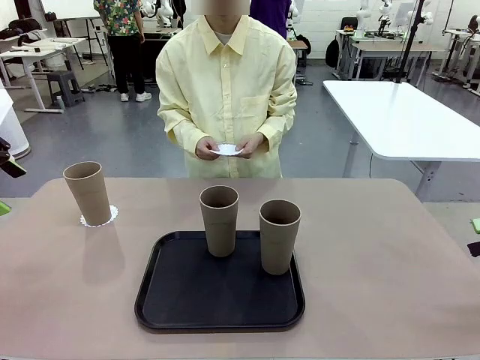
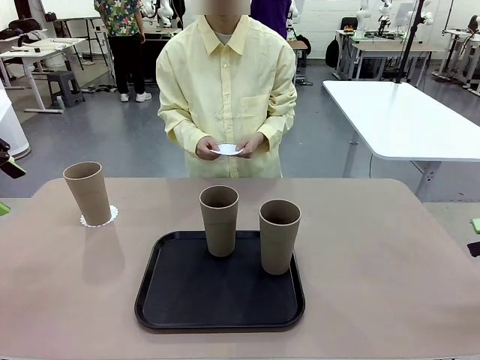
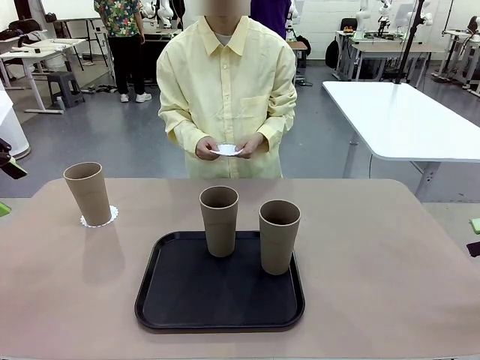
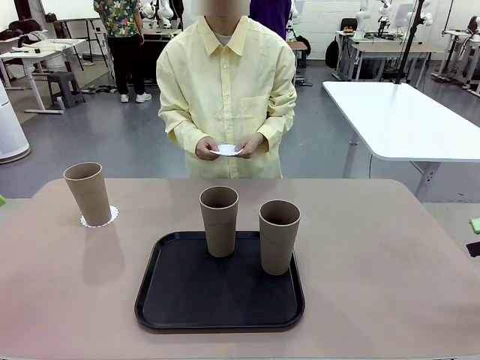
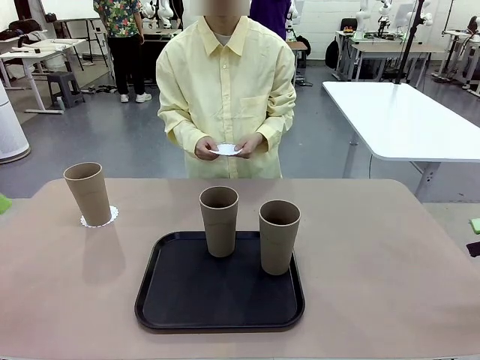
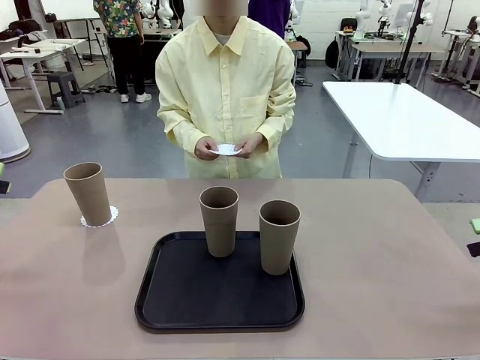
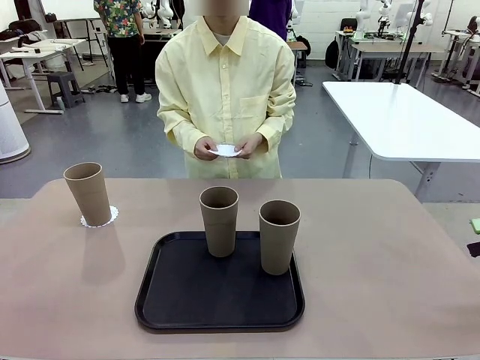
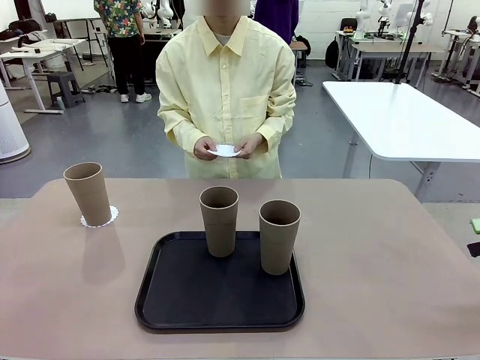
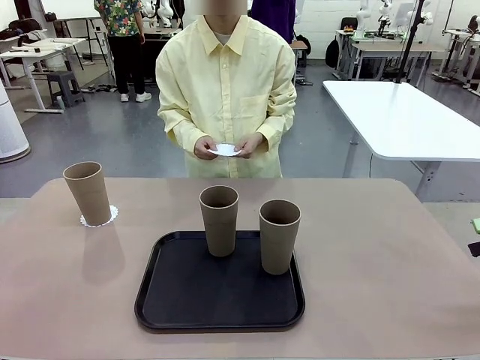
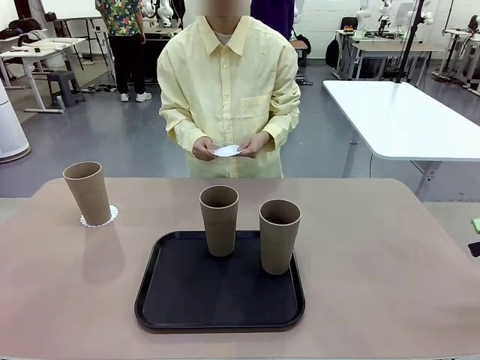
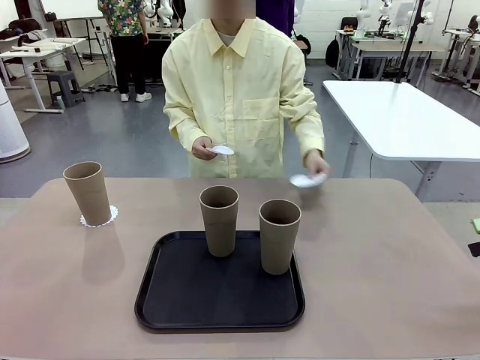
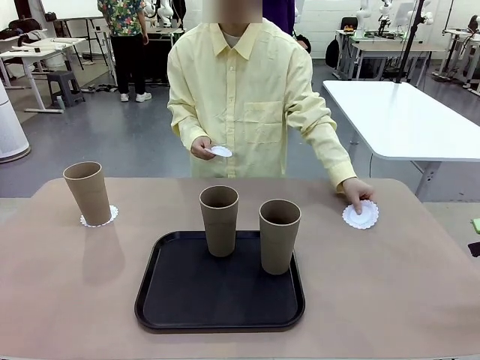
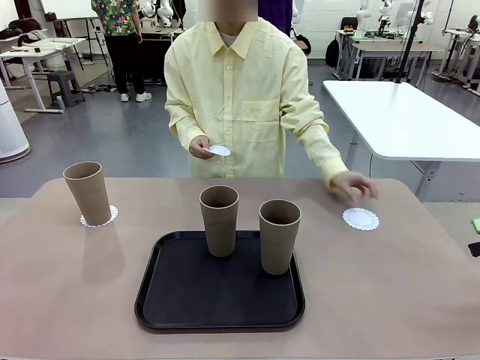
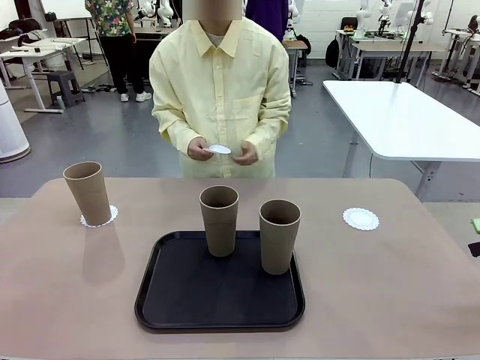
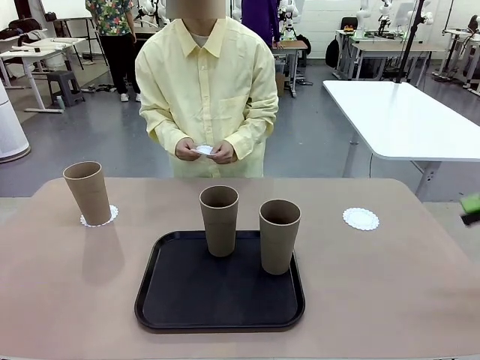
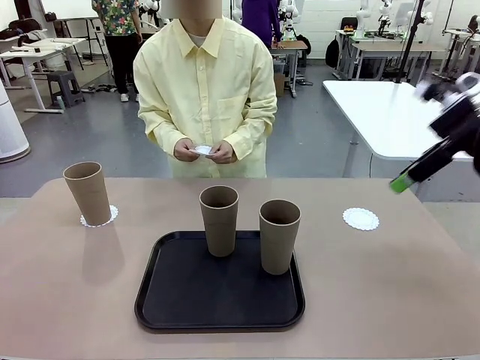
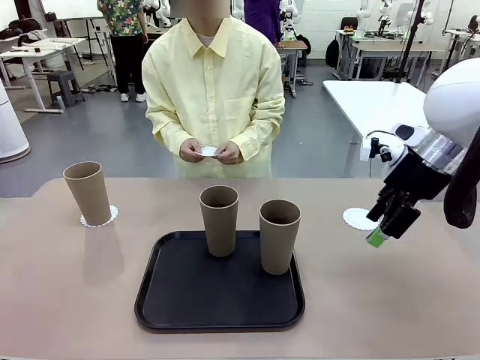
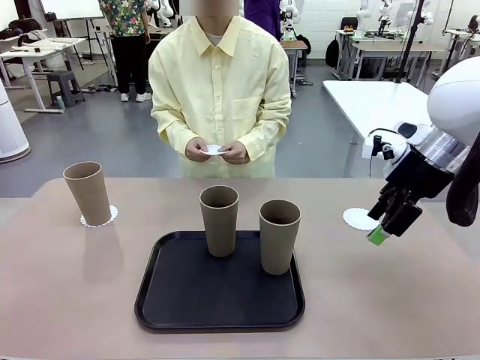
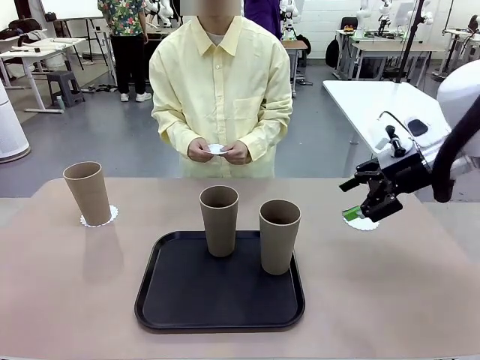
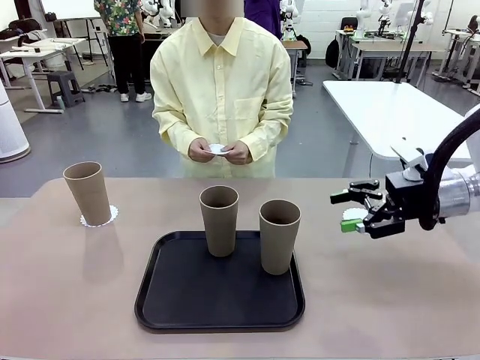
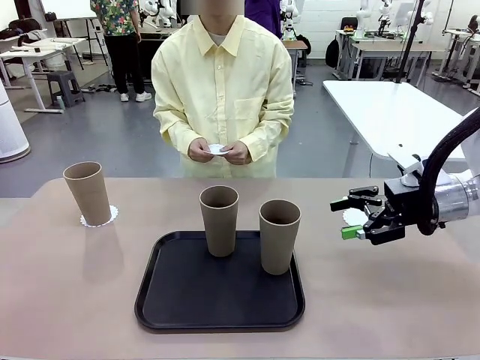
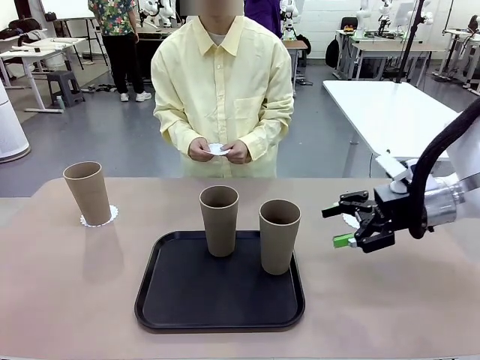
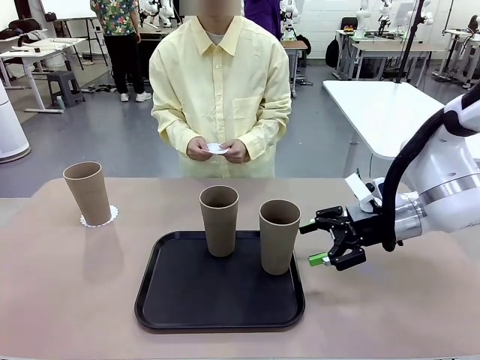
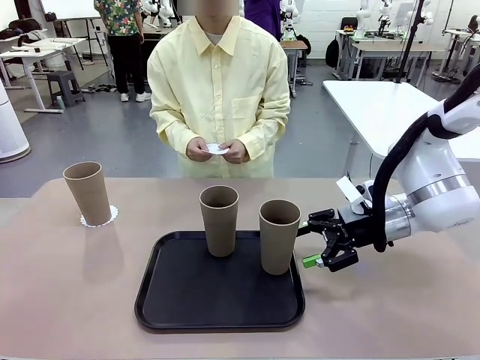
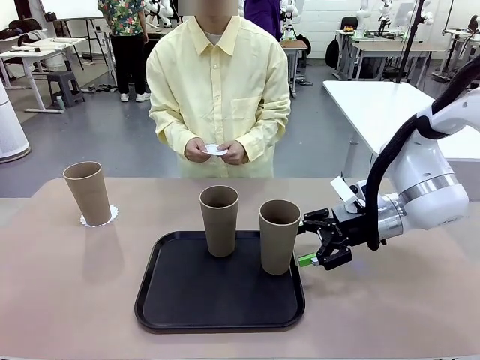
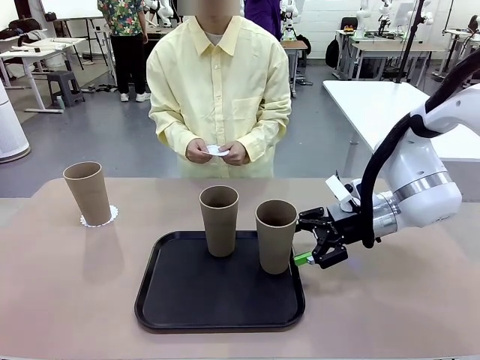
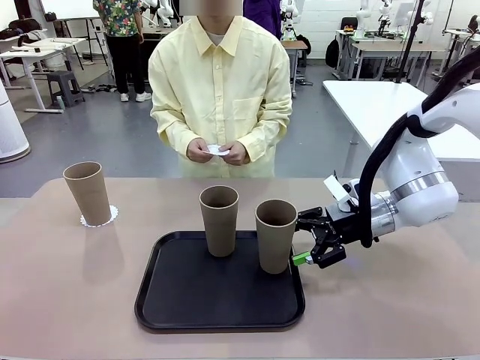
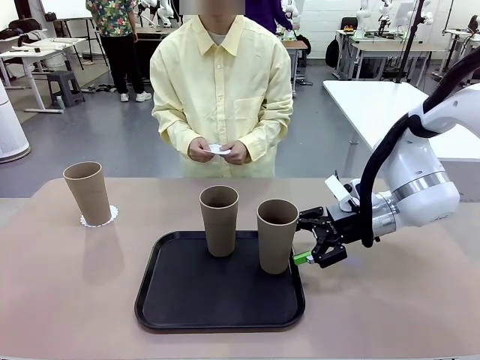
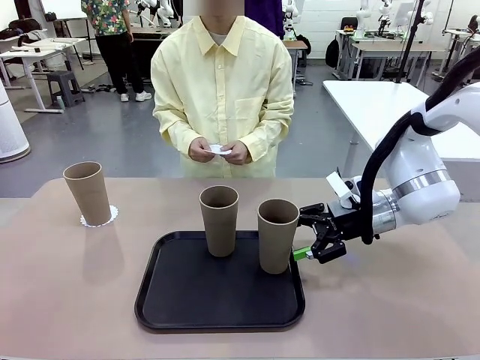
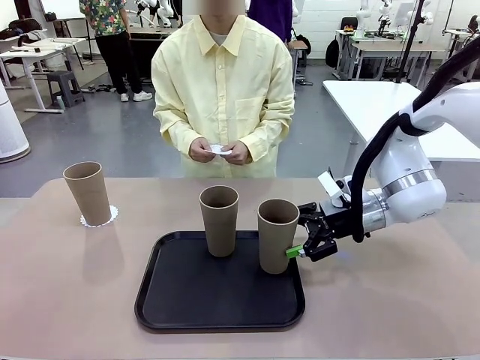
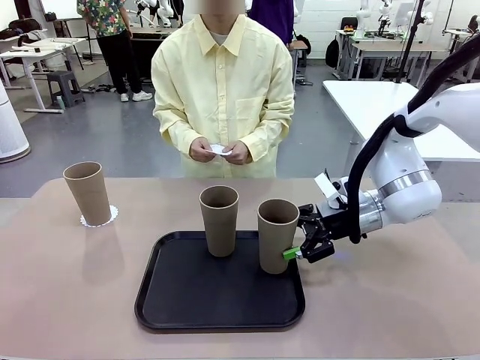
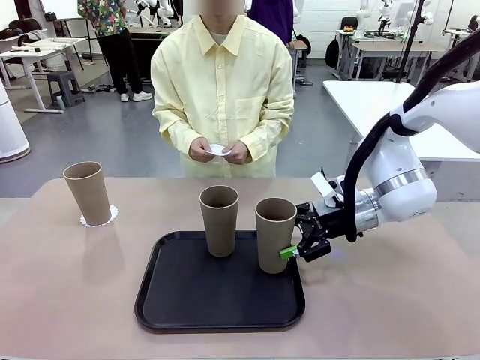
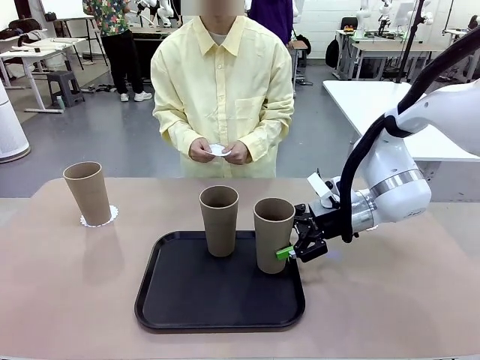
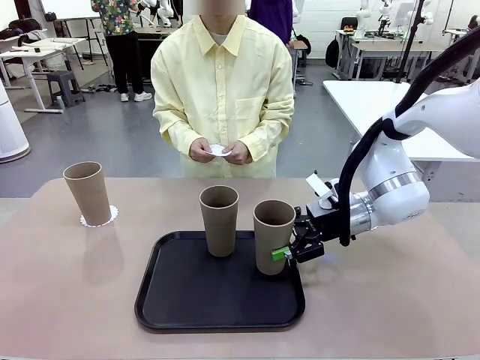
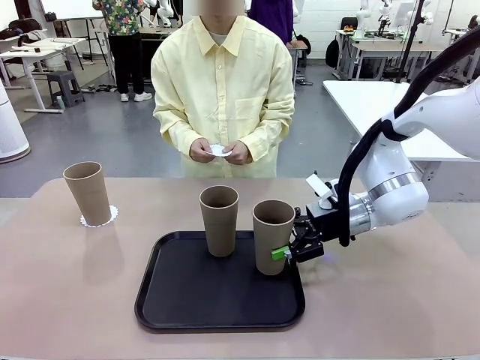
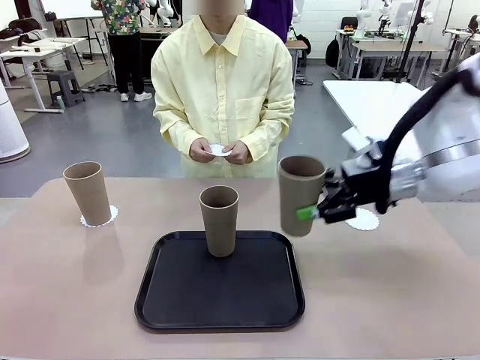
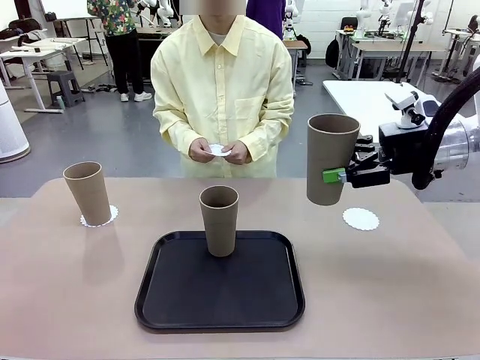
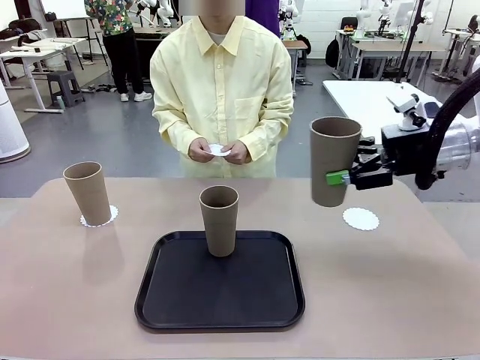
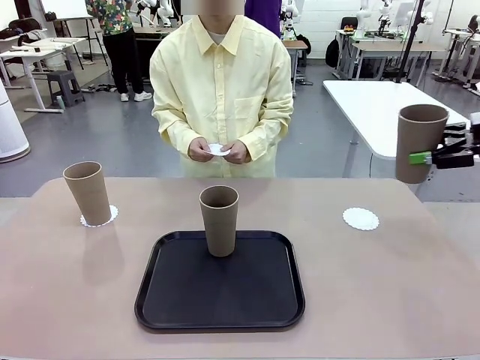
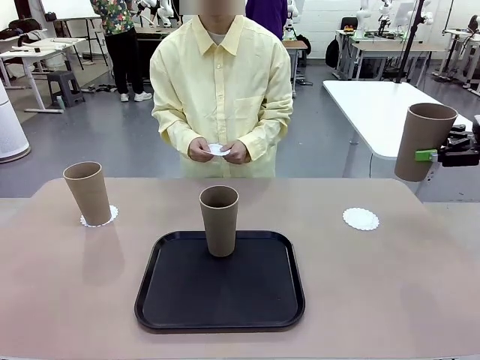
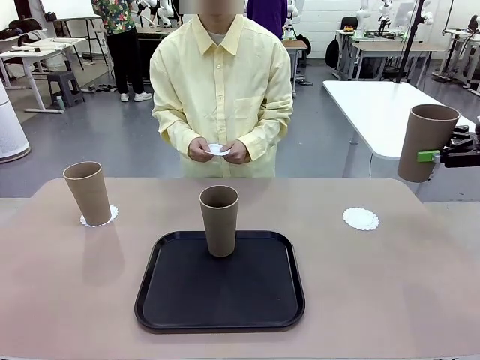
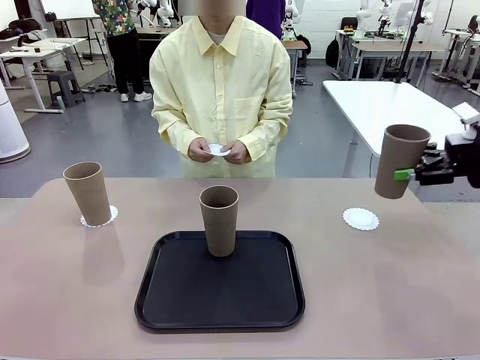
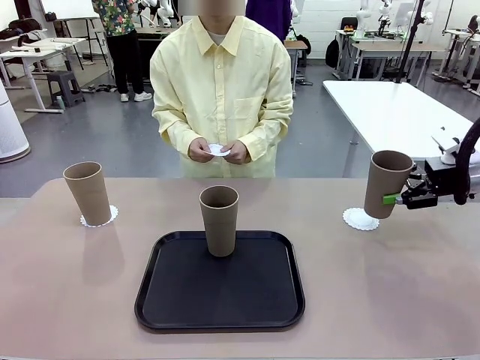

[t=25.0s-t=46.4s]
Task: Place coasters on the table and set cups on them.
Robot: Take one Reusable plastic cup from the Flat Tray and place it on a coaster set by the human.

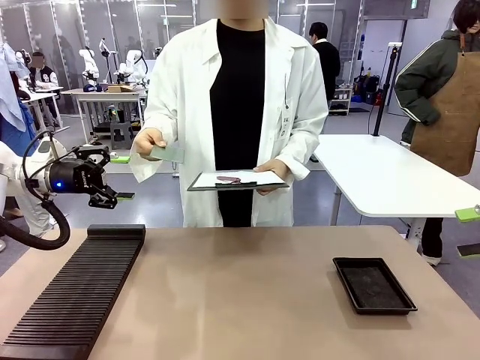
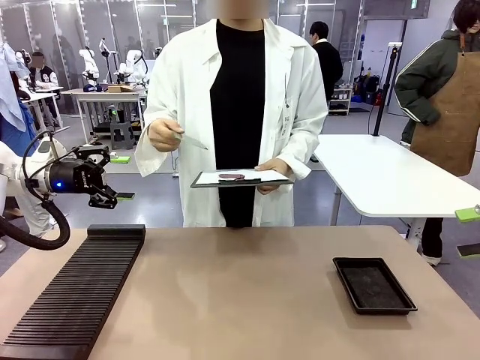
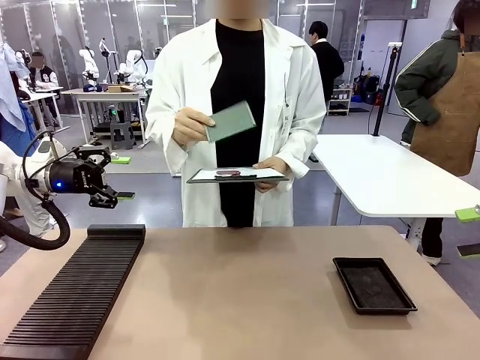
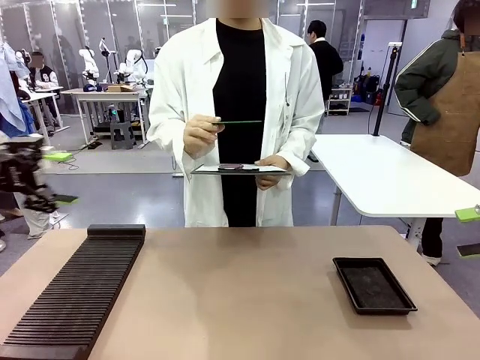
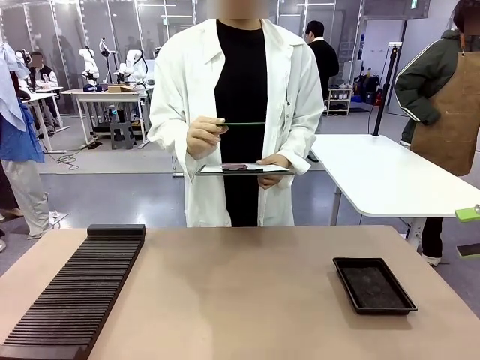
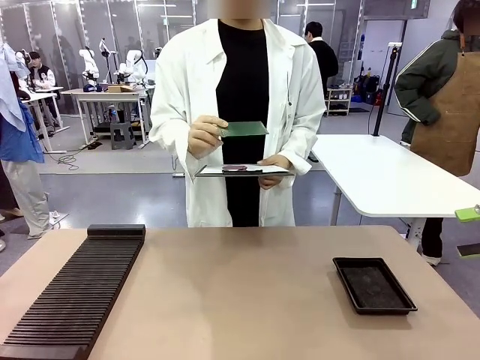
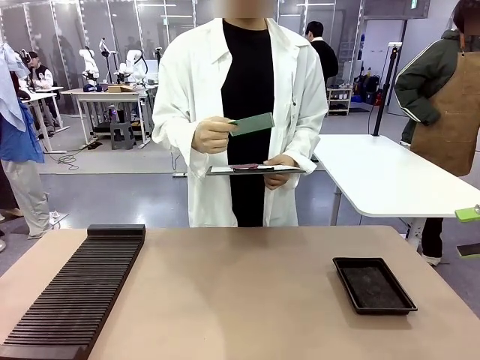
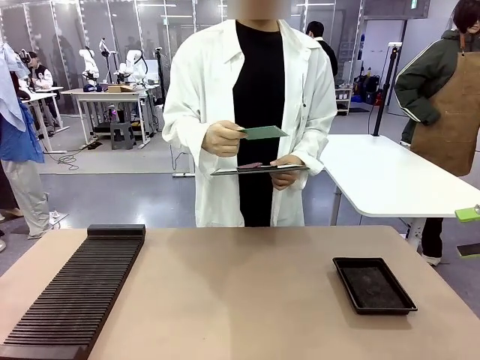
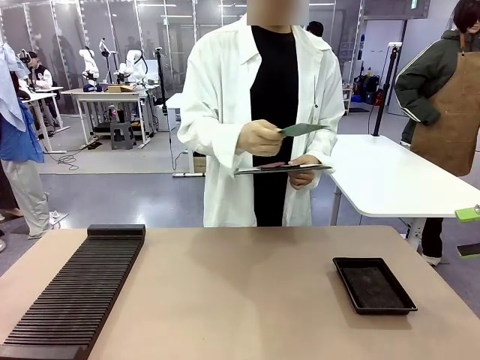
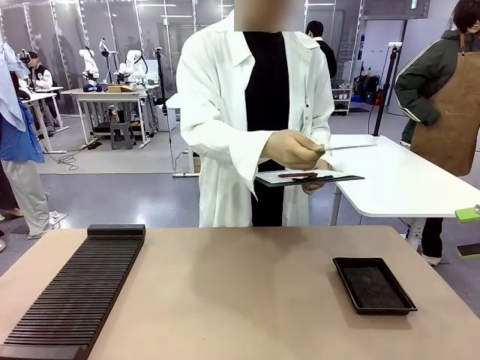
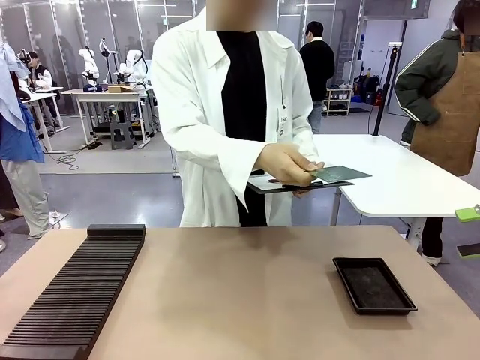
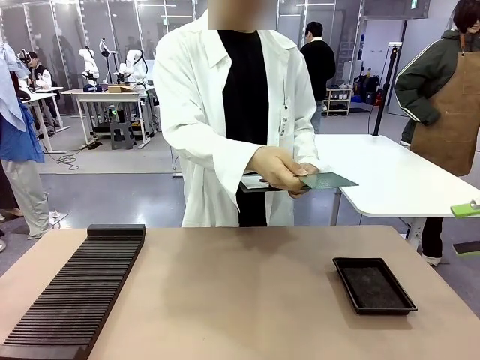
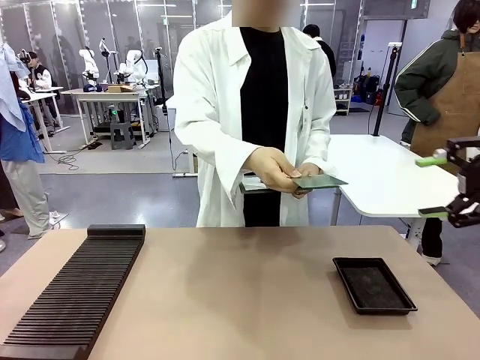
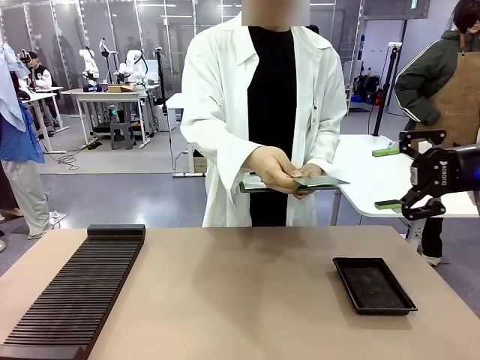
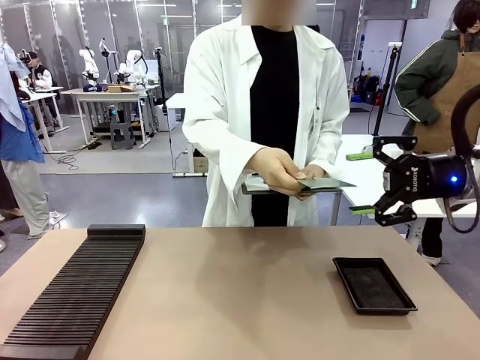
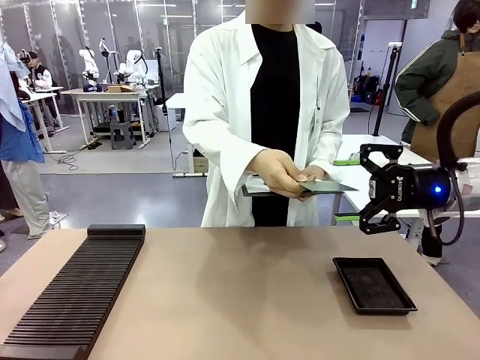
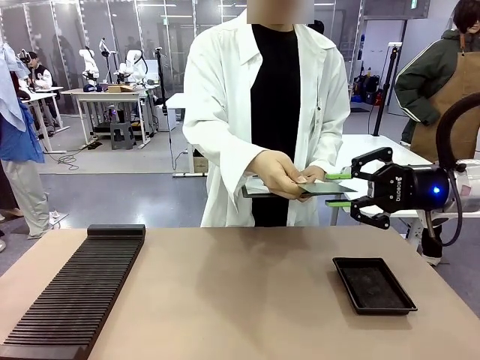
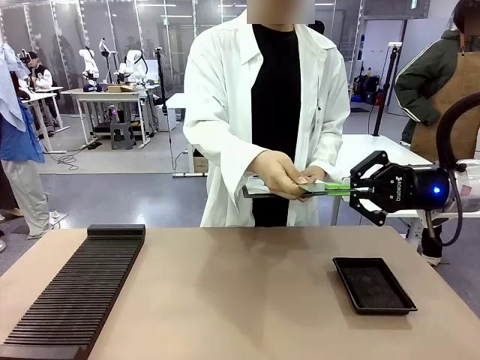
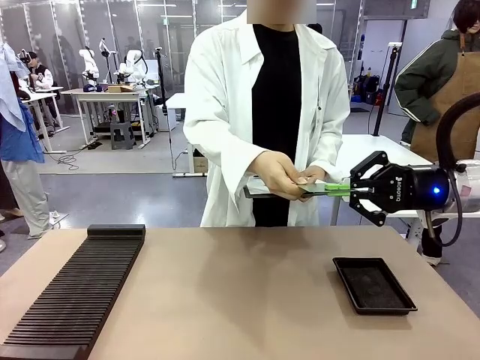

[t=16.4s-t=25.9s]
Task: Inspect the PCB.
Robot: Pick up the Blank PCB that the human is holding.
Person: Inspect the PCB placed by the robot, then hold it out in front of the robot. Release the PCB you were holding.
